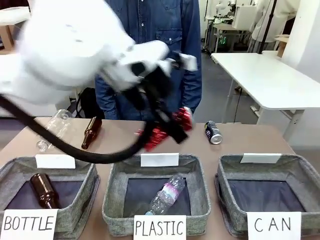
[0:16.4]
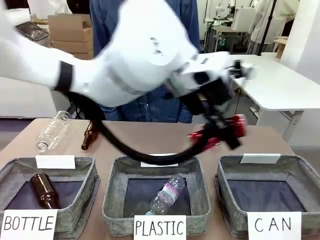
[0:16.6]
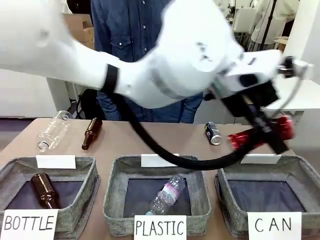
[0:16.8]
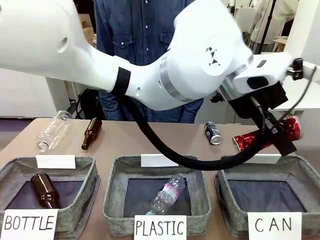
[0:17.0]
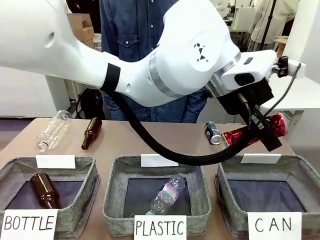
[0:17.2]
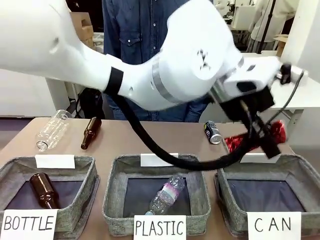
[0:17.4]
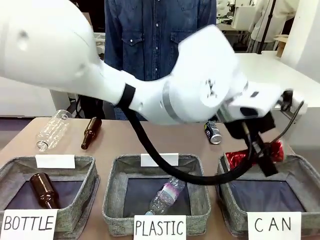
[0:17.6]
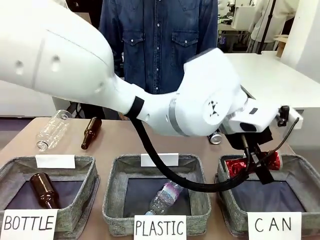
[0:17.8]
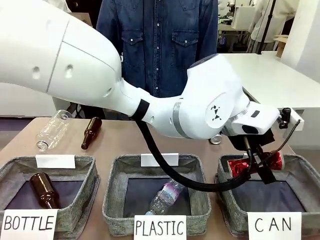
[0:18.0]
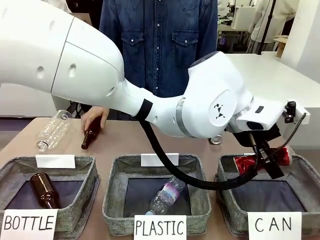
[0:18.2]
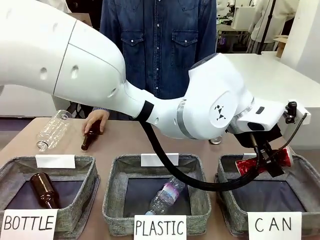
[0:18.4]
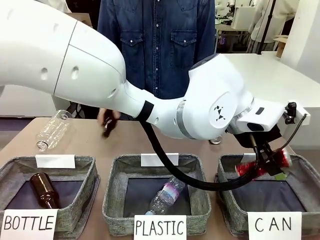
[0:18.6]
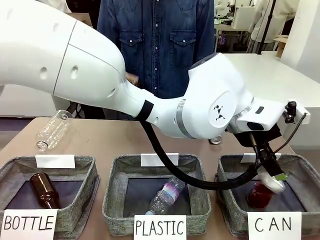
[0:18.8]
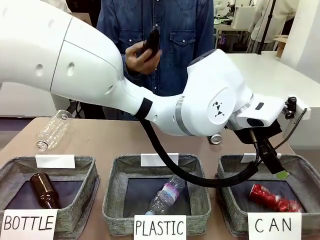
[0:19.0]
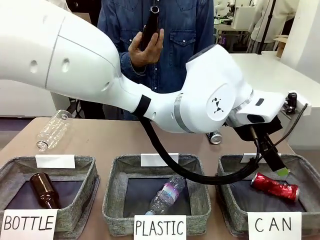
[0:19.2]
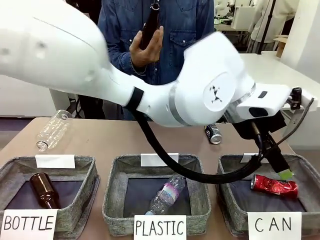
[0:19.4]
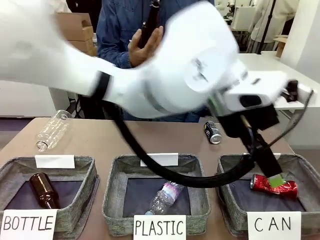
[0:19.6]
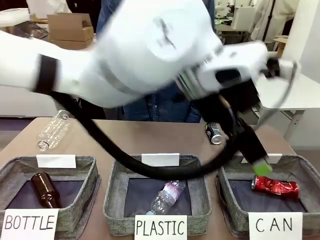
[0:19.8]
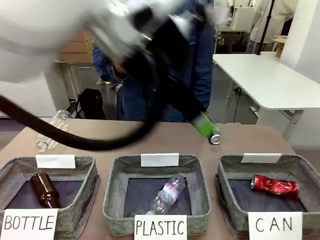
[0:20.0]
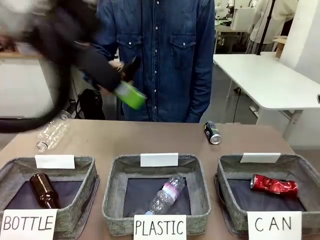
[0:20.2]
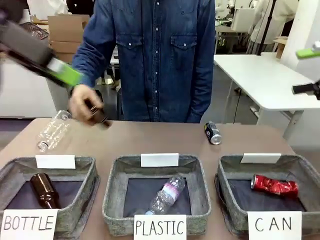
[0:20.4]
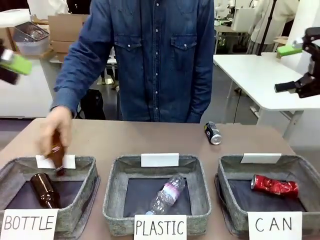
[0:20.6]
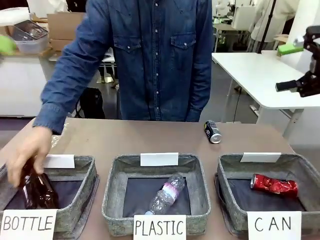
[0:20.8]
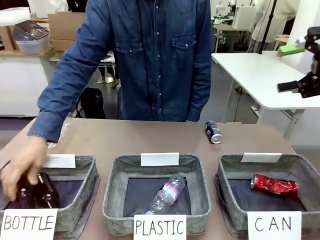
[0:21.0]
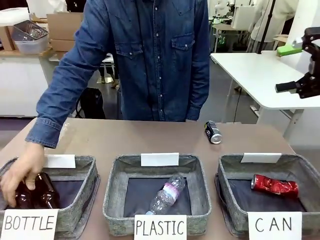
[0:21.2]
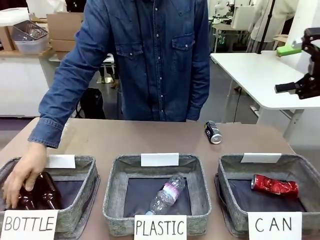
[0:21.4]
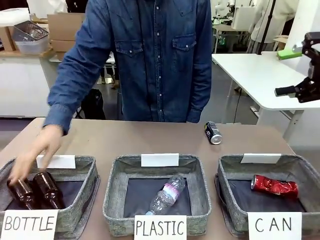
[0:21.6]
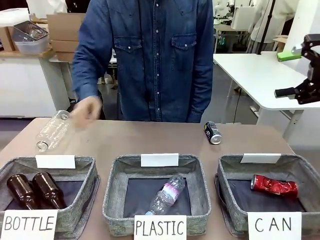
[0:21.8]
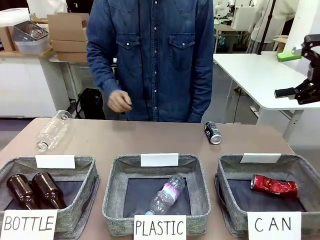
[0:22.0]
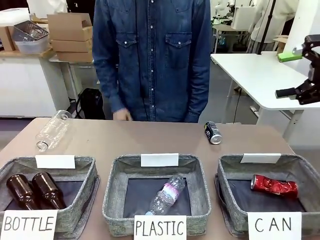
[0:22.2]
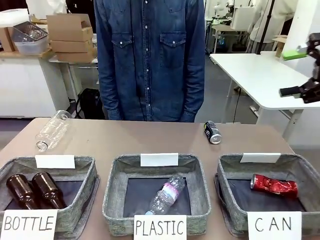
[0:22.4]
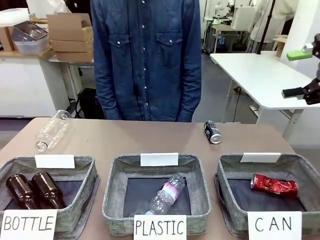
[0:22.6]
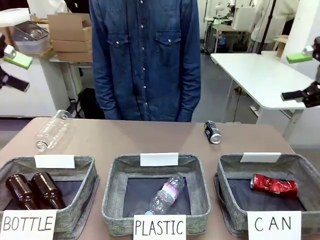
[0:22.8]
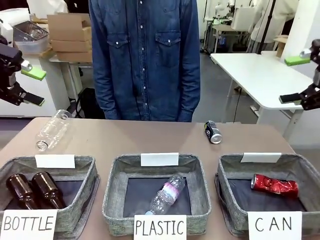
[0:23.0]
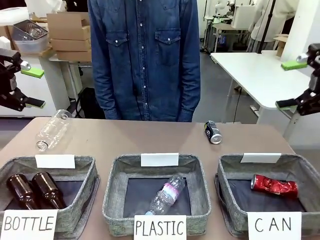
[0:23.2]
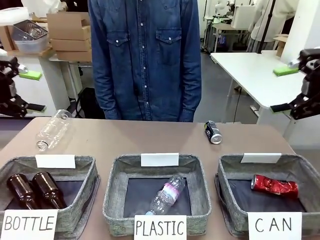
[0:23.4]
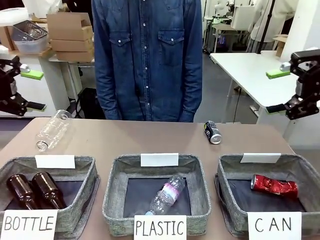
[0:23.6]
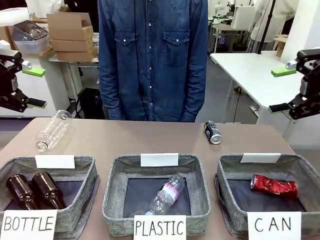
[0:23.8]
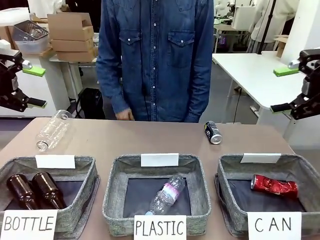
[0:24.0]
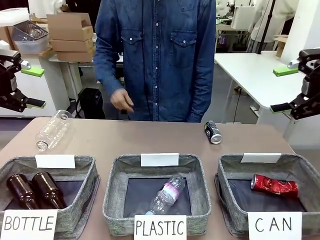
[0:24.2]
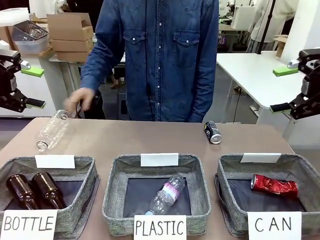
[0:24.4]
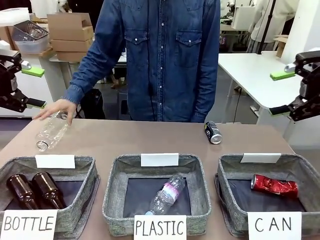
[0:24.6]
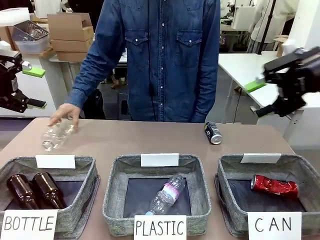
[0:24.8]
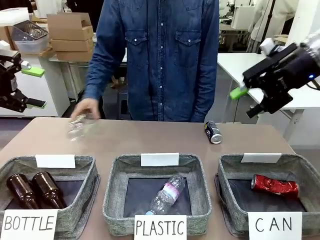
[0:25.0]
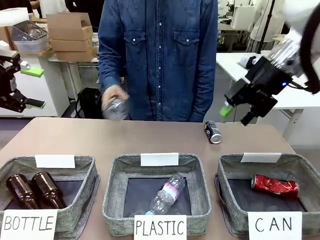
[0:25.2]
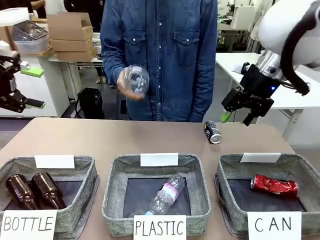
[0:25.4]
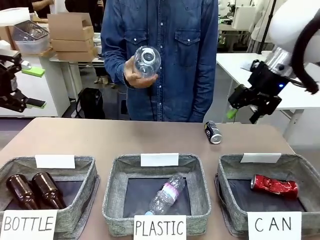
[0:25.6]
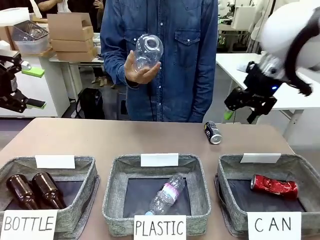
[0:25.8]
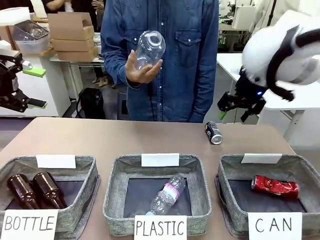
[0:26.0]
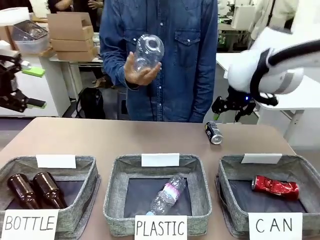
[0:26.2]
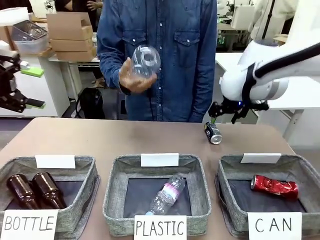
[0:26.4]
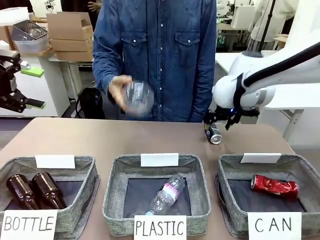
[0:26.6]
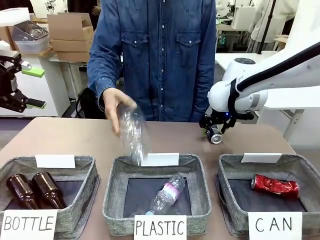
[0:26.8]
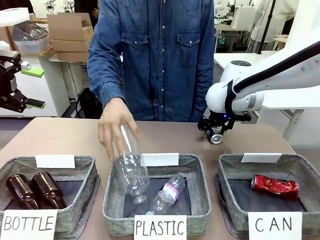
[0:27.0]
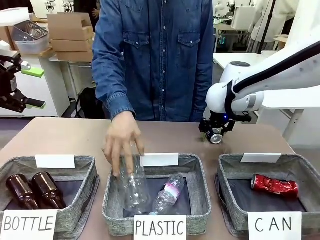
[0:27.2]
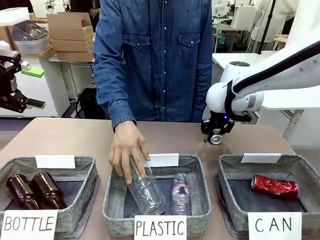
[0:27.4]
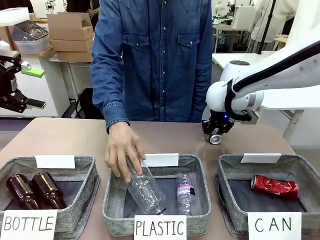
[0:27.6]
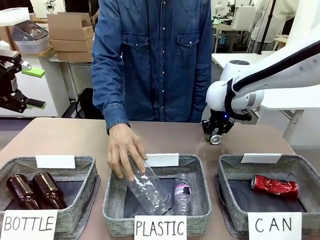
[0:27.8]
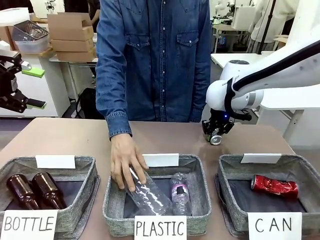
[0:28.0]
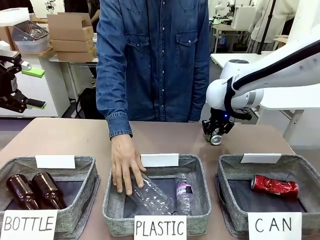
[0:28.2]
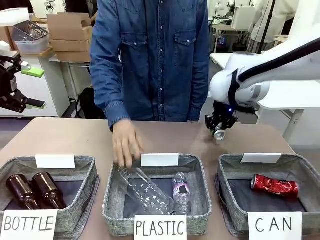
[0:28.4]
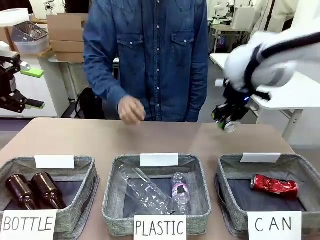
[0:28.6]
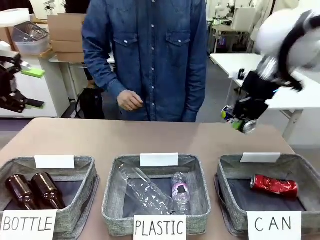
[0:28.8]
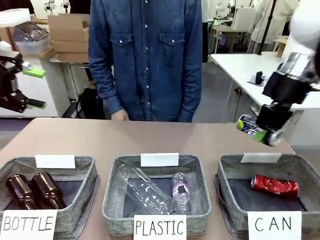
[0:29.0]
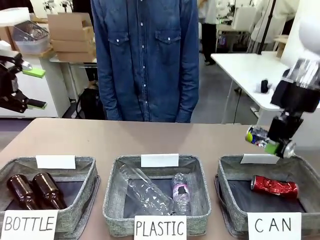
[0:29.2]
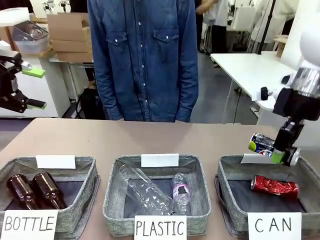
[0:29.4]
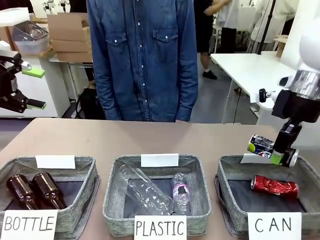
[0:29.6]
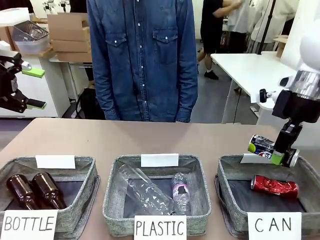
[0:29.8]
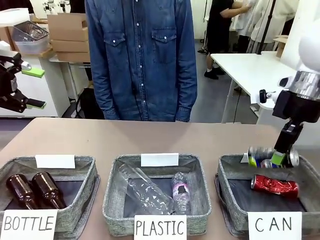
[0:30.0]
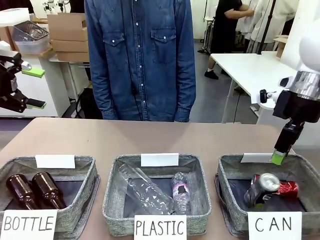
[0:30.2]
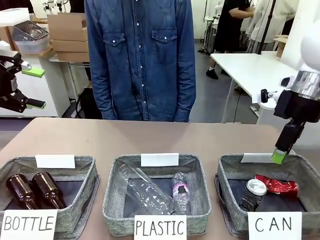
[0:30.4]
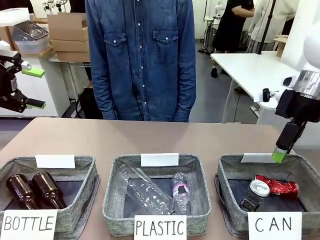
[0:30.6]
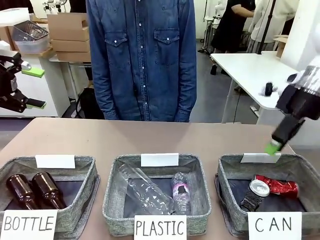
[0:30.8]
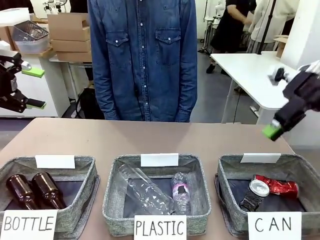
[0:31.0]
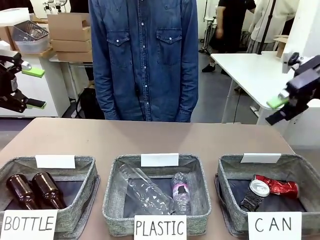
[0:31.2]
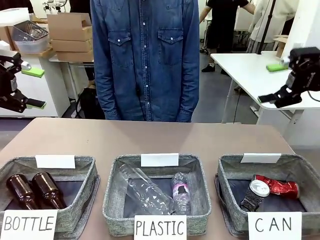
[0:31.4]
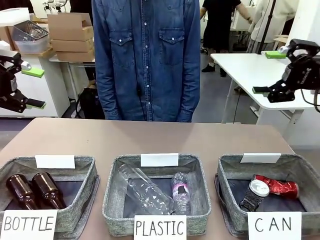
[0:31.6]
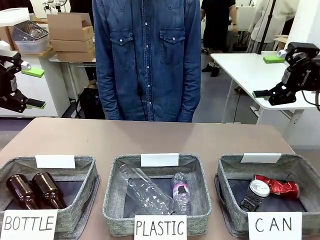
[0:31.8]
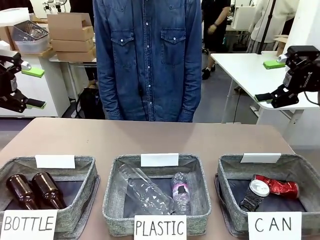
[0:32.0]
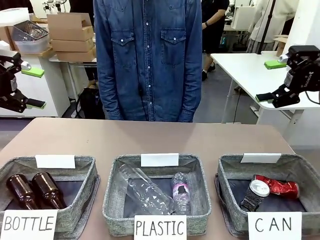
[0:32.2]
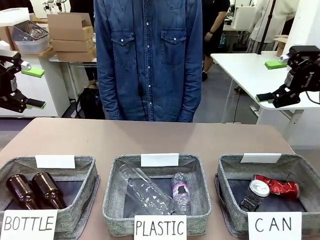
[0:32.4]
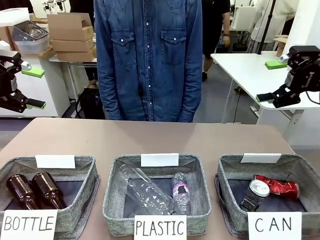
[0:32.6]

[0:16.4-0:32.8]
Task: Sort the can waste into the basket.
Robot: Pick up the can waste from the table and place it in the right Fabric basket.
